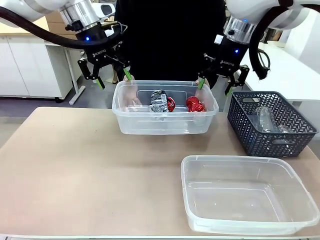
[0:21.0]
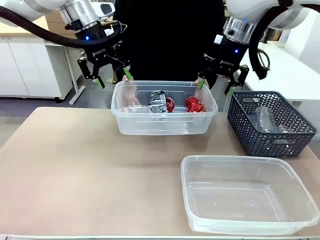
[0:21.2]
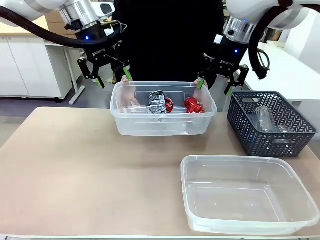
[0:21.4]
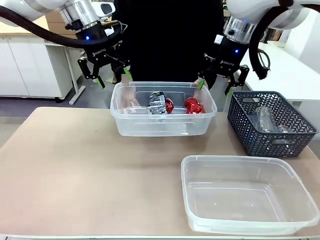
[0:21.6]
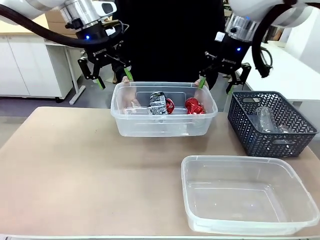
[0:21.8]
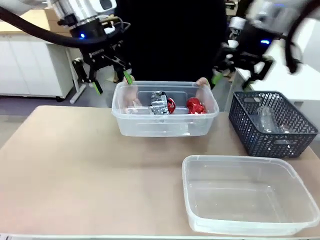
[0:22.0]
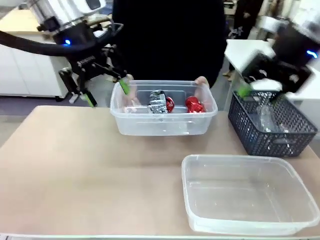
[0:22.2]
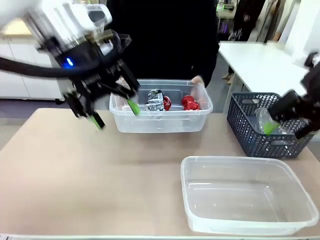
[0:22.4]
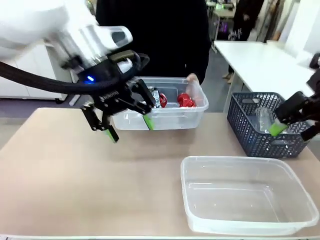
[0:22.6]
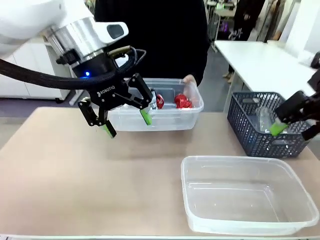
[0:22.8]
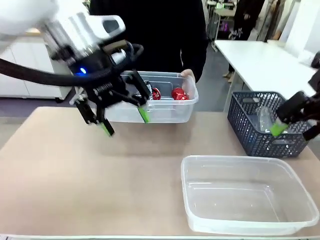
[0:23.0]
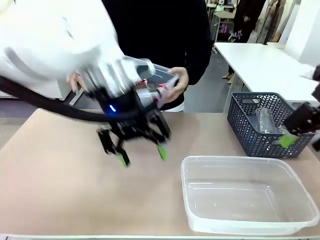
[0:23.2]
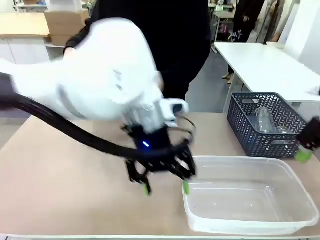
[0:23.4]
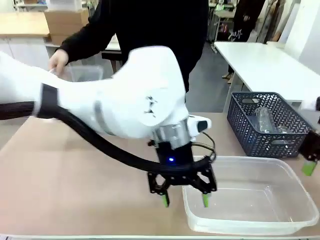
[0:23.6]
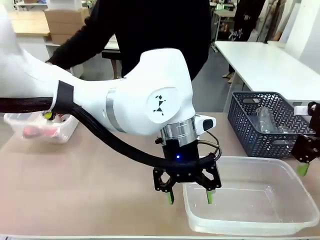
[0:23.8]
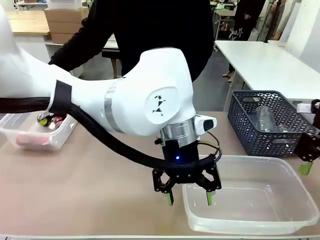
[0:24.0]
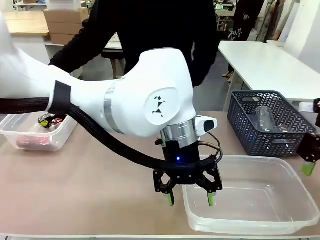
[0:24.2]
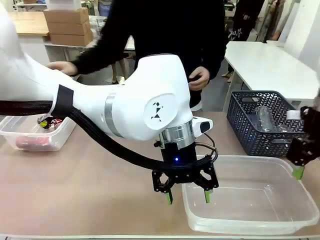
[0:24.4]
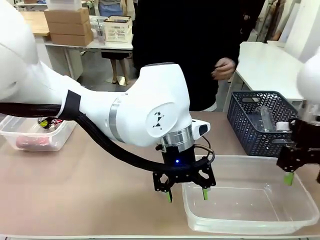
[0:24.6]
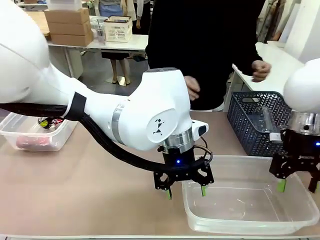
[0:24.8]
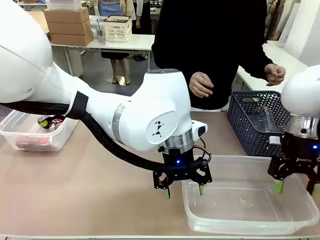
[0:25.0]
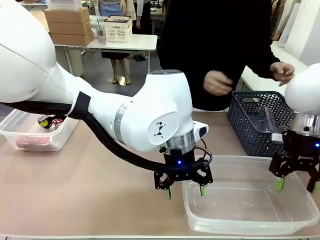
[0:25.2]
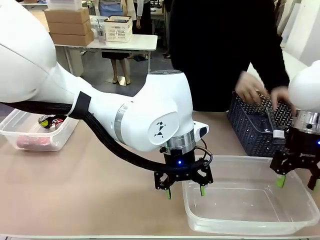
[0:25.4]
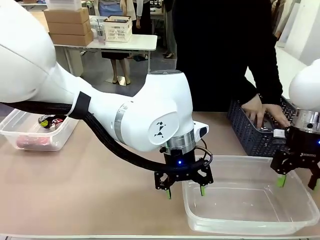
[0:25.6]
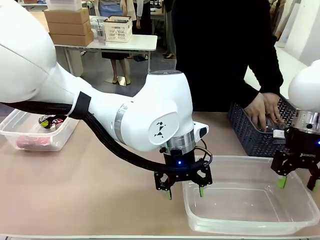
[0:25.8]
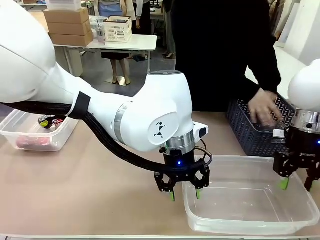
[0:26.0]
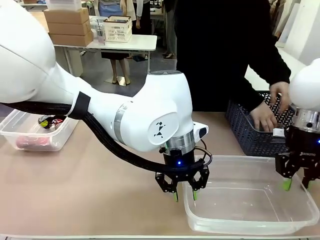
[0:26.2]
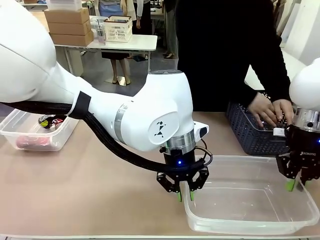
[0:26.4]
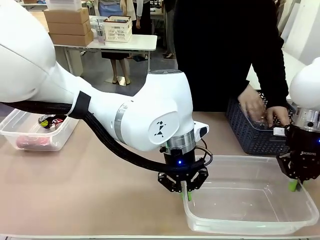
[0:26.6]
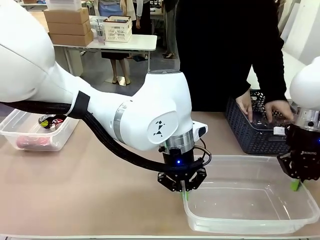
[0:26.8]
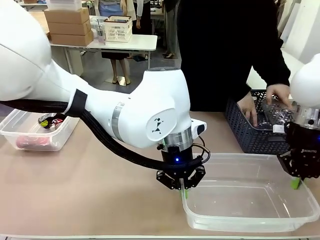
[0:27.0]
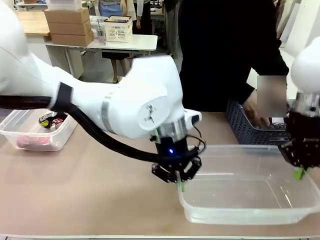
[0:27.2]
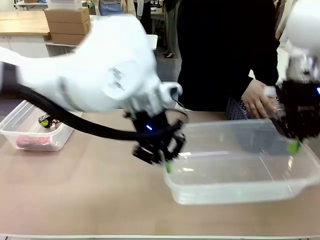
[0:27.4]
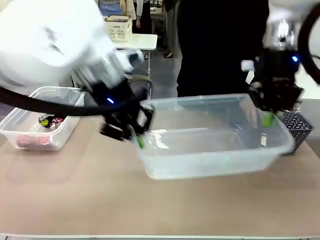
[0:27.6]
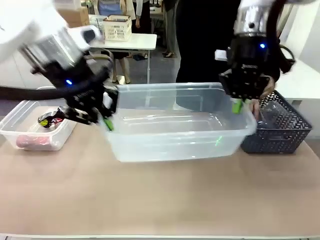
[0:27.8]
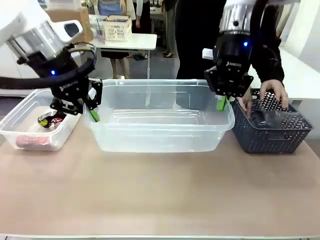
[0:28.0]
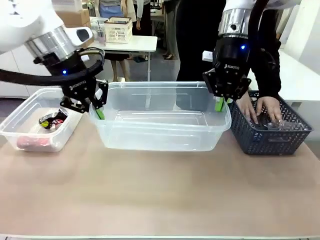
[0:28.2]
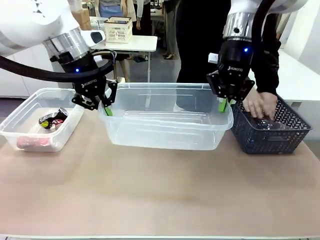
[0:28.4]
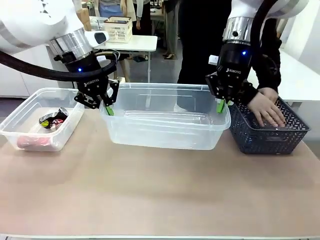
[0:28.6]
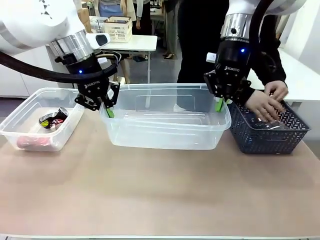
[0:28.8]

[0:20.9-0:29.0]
Robot: Pick up the Organizing box on the right side of the table and lift it.
Person: Place it at the edge of the bottom right area of the robot table.

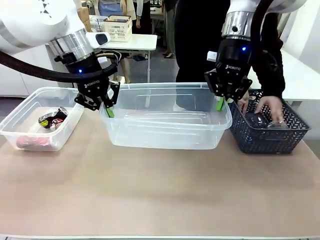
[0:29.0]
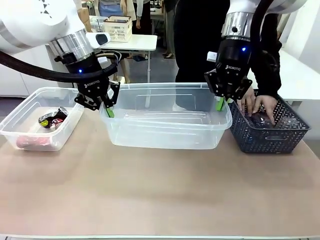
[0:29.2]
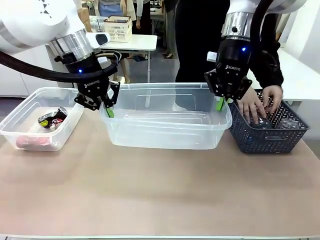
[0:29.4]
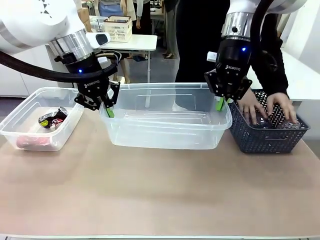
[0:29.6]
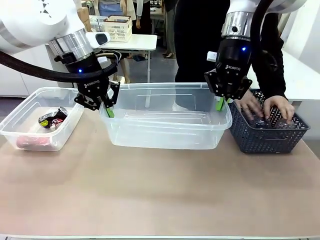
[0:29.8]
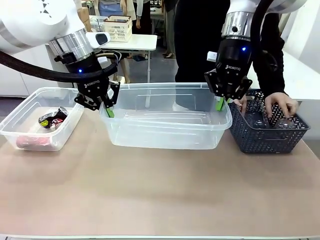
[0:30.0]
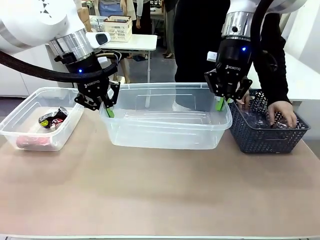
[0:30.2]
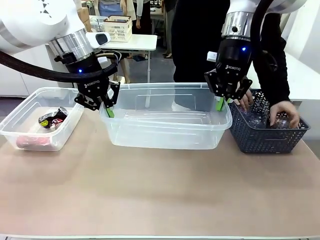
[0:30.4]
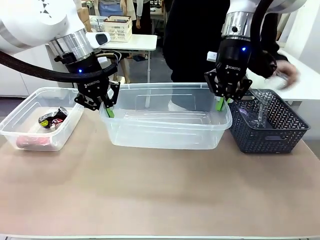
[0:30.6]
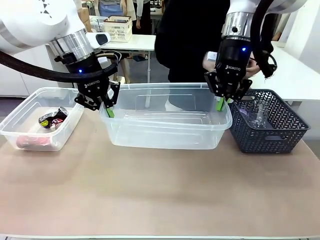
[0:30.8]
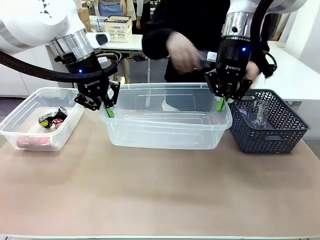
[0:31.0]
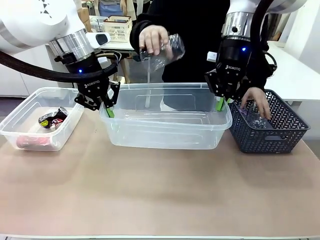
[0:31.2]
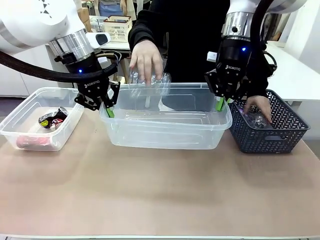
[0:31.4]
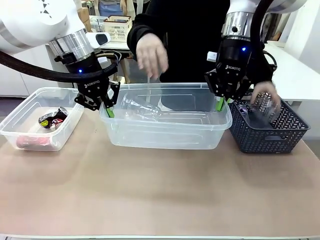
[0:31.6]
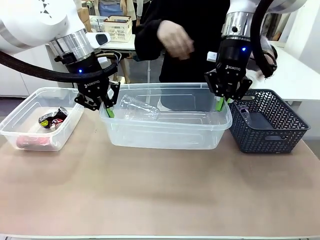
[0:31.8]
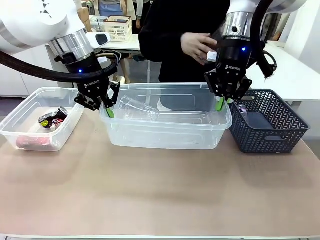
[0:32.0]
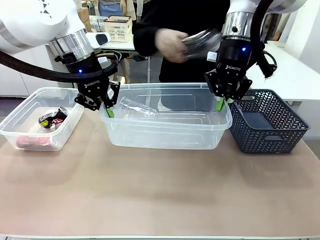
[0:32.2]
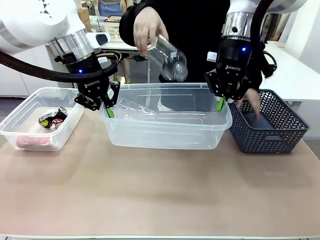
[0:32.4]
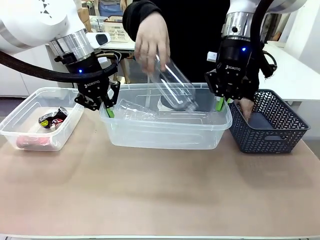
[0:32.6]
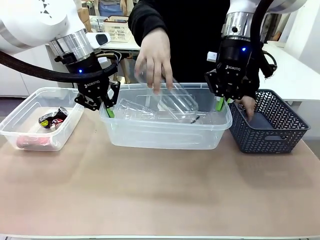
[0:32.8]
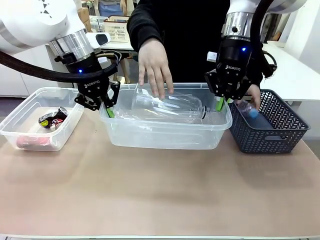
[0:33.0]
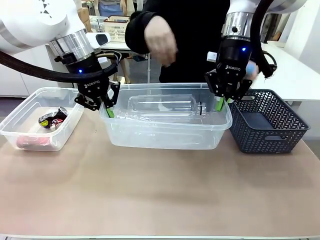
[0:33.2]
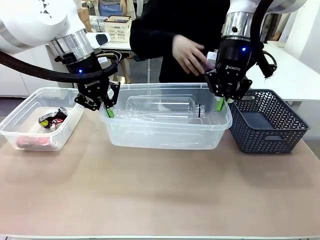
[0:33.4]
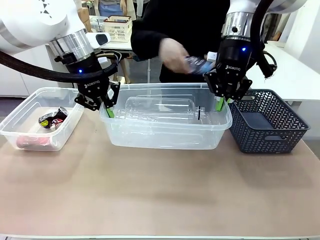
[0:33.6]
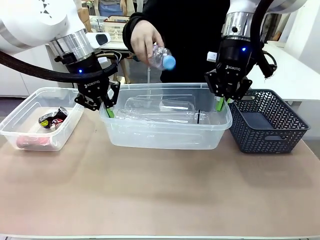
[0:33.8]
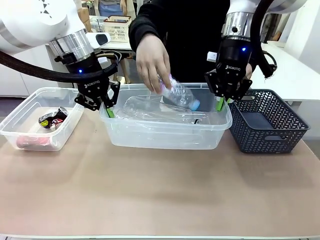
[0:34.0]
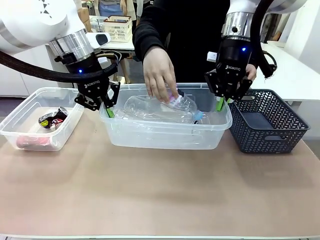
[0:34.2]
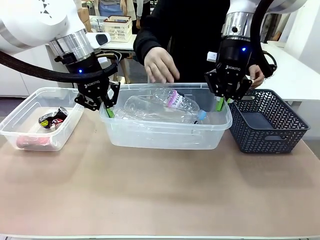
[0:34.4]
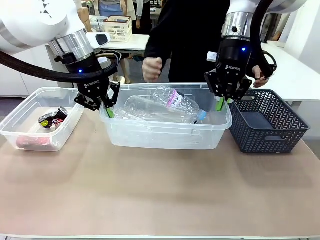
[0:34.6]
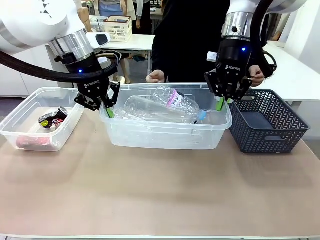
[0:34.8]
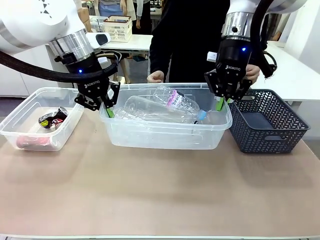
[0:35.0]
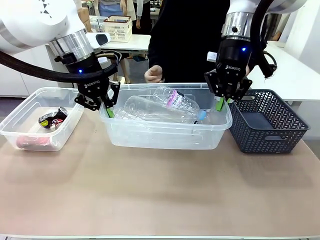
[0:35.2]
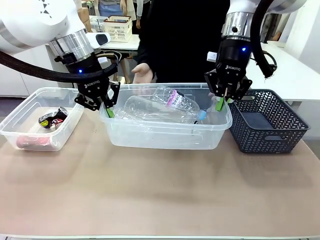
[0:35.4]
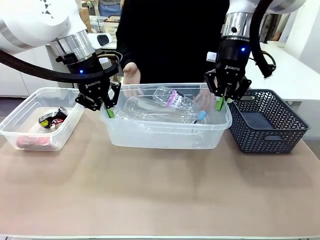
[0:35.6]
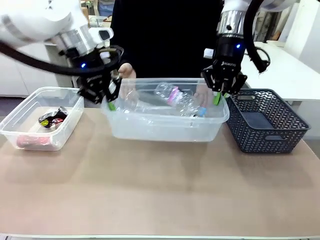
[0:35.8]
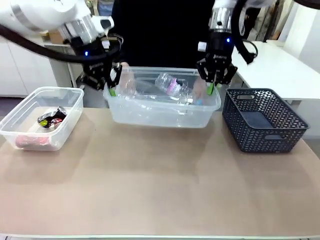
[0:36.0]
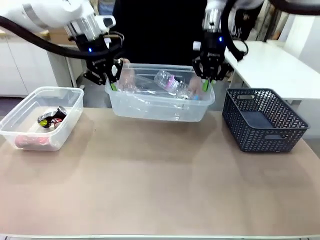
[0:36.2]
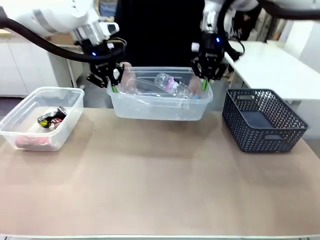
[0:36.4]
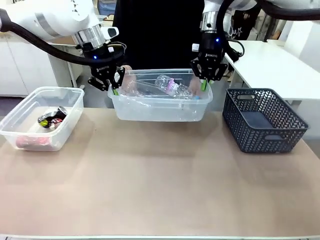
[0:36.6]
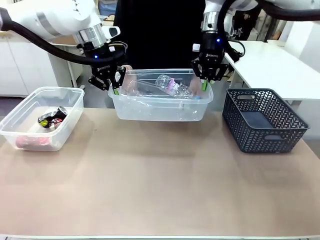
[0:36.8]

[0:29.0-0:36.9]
Robot: Offer the picked Organizing box to the human.
Person: Pick up plastic waste one by one and place it into the organizing box lifted by the robot.

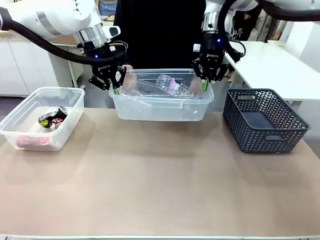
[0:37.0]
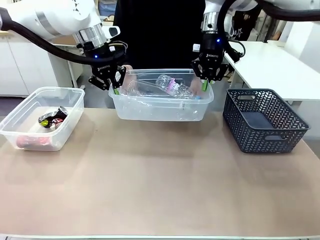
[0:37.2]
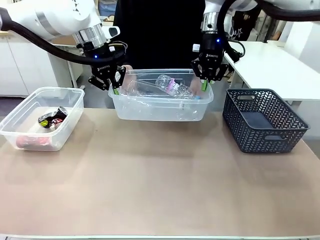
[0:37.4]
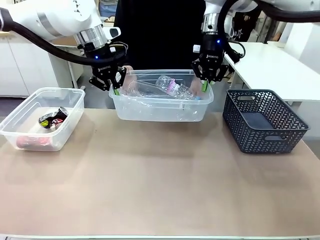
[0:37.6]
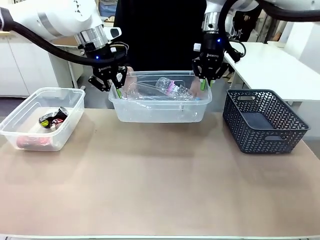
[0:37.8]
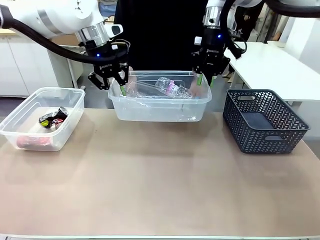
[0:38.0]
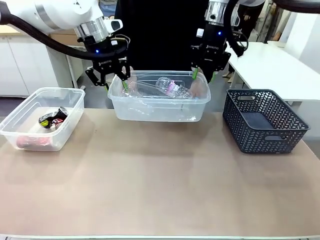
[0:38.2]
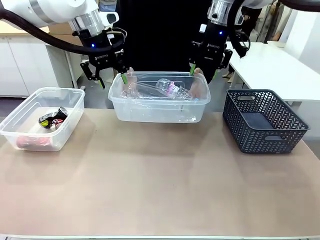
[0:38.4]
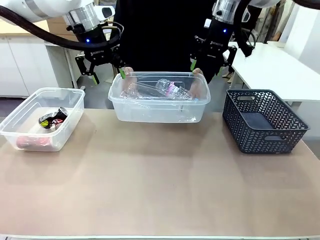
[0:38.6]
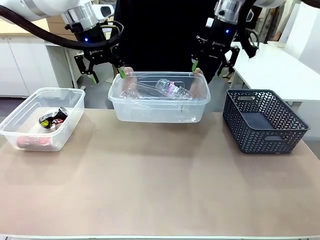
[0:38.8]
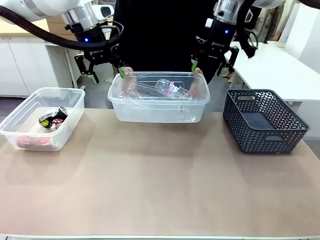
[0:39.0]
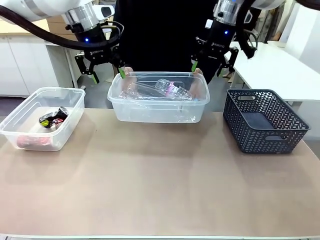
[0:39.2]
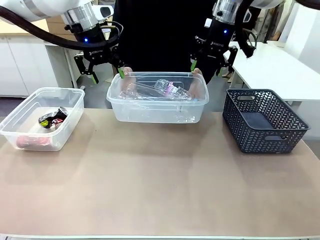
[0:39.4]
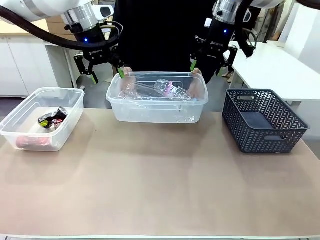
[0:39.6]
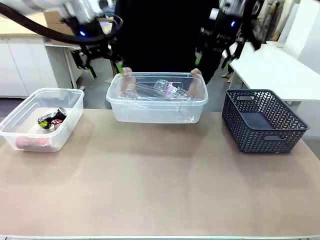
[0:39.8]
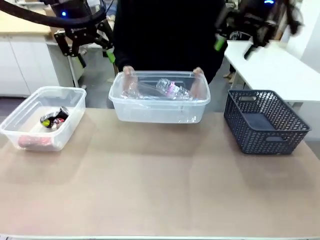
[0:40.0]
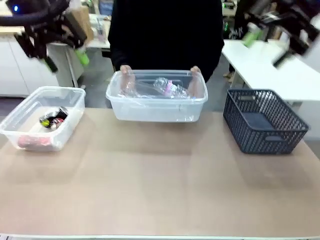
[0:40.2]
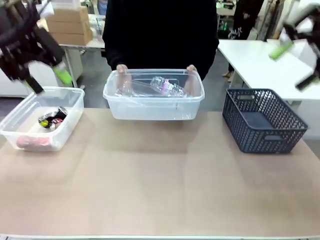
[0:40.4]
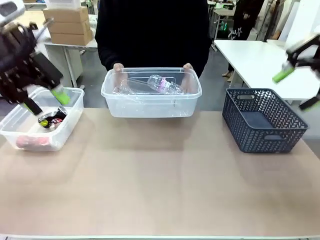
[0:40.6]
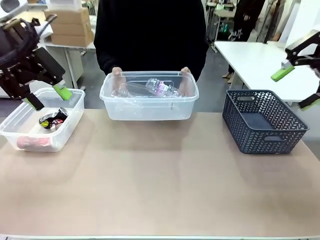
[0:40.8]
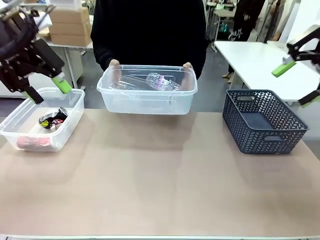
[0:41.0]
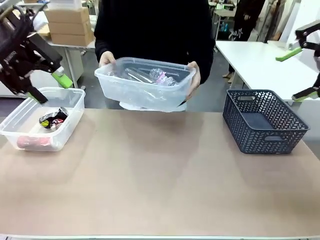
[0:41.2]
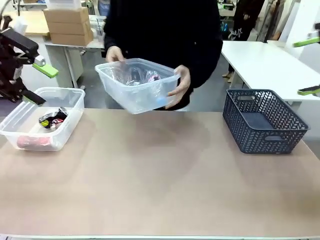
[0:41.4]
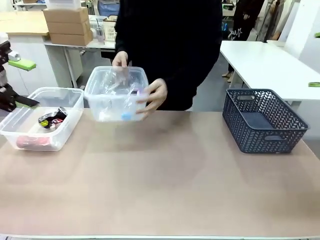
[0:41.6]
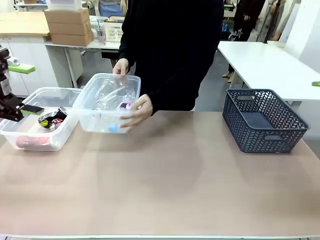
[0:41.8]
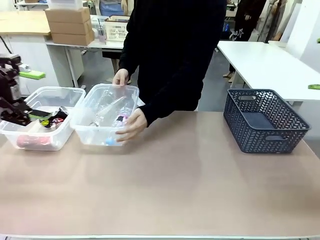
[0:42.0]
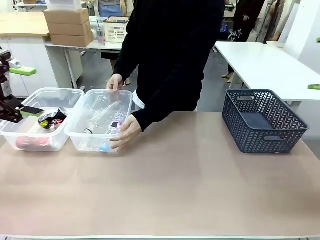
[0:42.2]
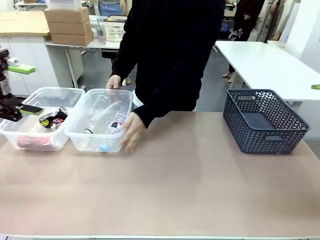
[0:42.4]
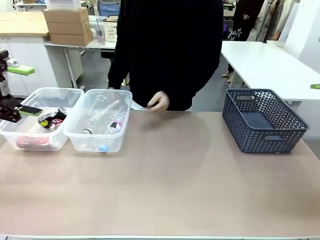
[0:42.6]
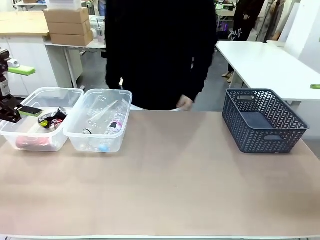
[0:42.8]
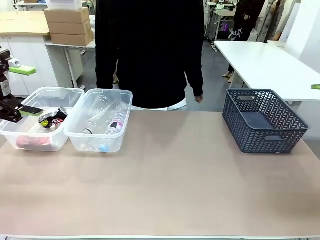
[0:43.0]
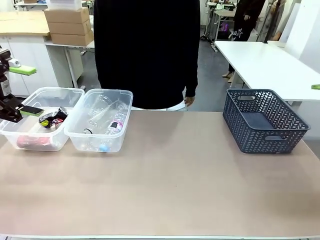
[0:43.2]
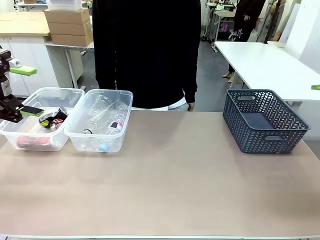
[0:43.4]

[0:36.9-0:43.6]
Robot: Release the Organizing box you were holding.
Person: Pick up the organizing box extended by the robot. Place the organizing box to the left of the sorting box containing the can waste.

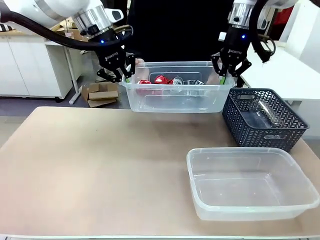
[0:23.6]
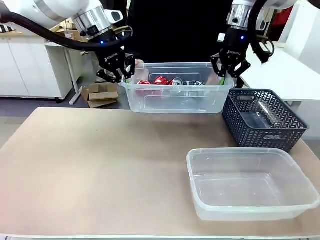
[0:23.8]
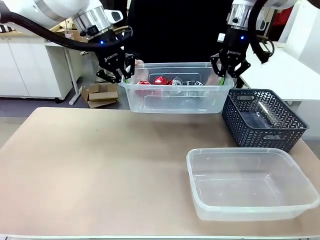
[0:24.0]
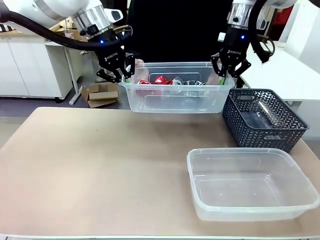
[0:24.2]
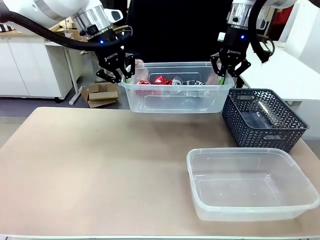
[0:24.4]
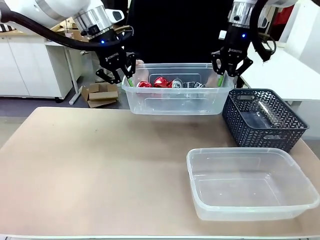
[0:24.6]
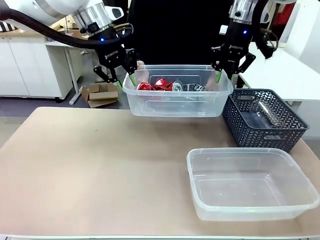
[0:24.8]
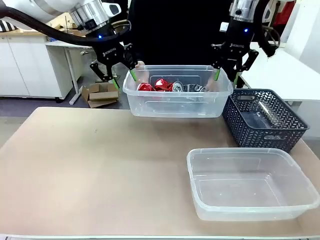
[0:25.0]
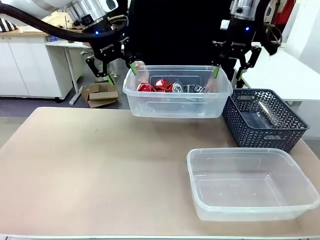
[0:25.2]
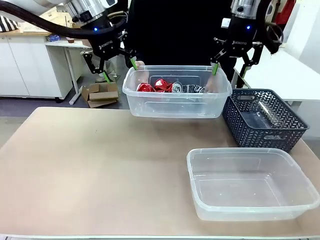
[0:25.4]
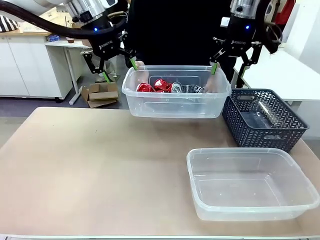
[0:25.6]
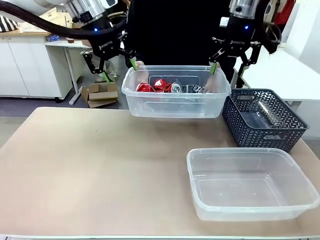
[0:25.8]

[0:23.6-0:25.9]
Robot: Release the Organizing box you were holding.
